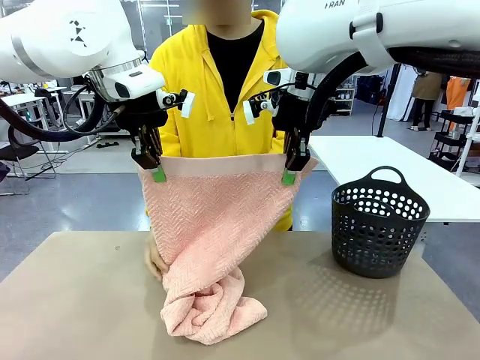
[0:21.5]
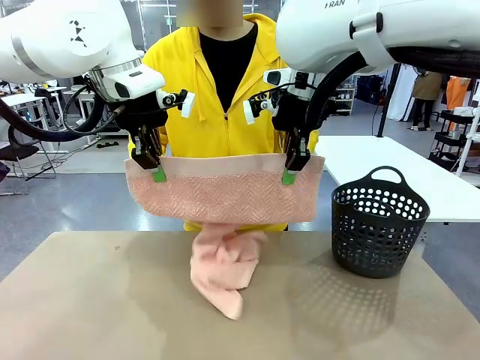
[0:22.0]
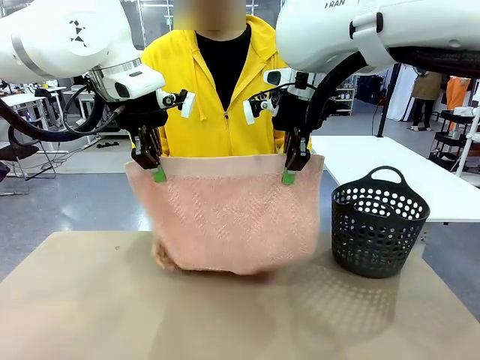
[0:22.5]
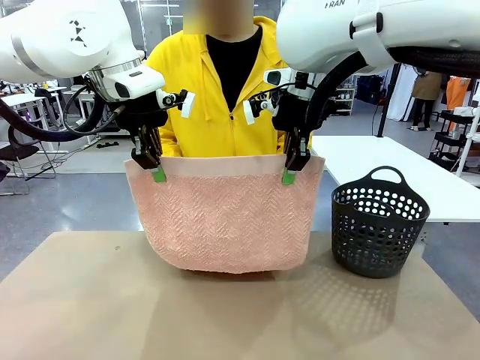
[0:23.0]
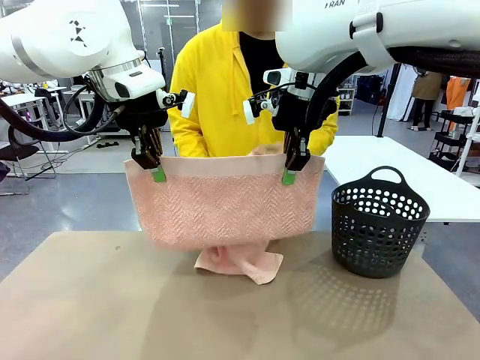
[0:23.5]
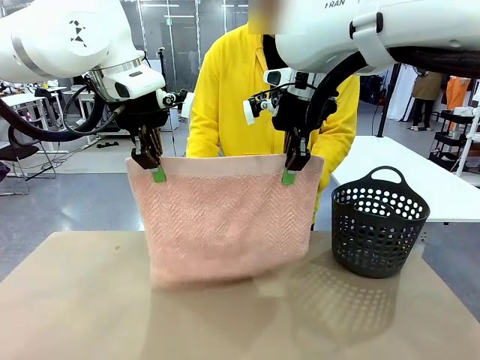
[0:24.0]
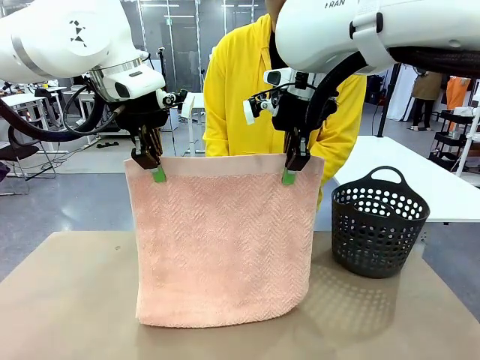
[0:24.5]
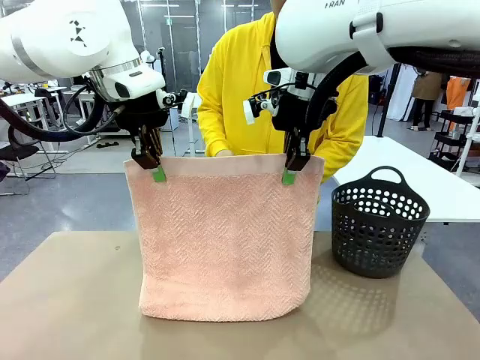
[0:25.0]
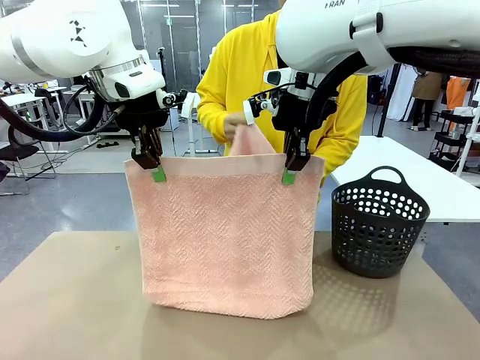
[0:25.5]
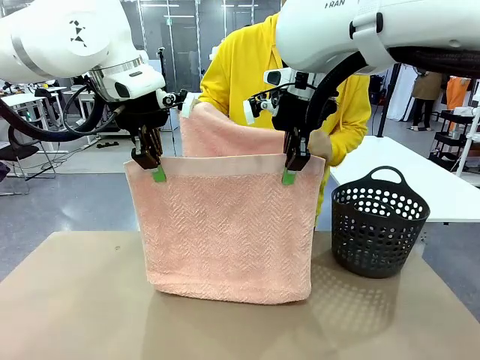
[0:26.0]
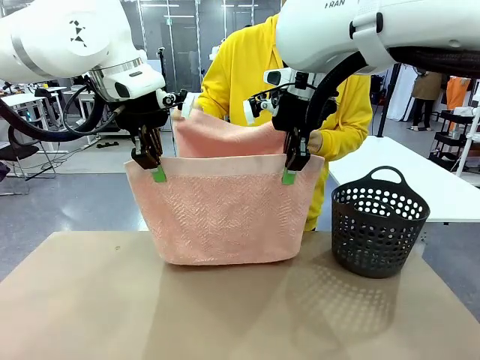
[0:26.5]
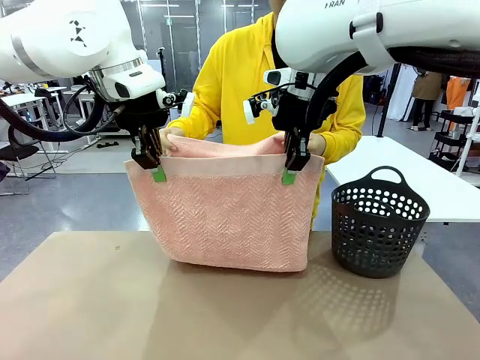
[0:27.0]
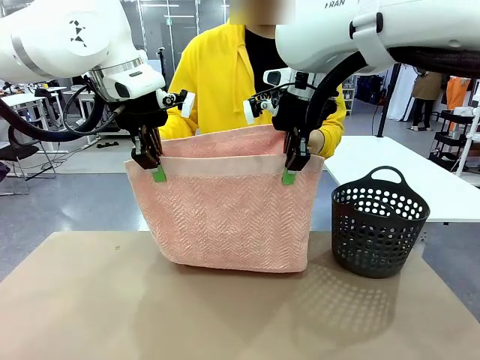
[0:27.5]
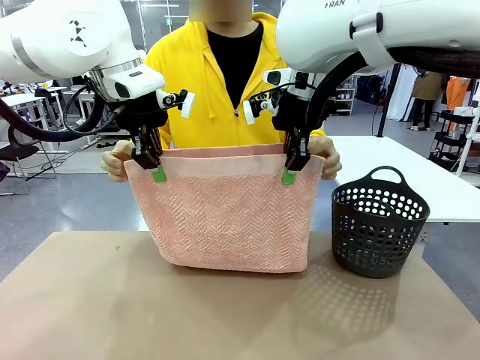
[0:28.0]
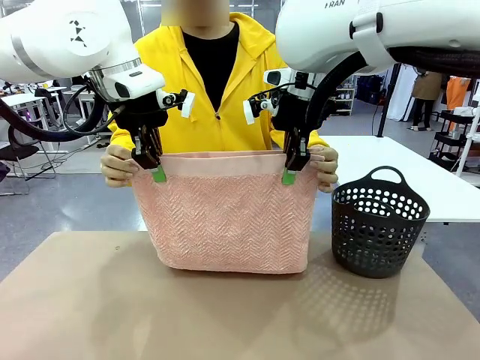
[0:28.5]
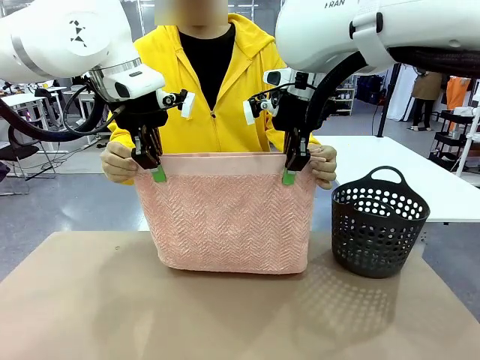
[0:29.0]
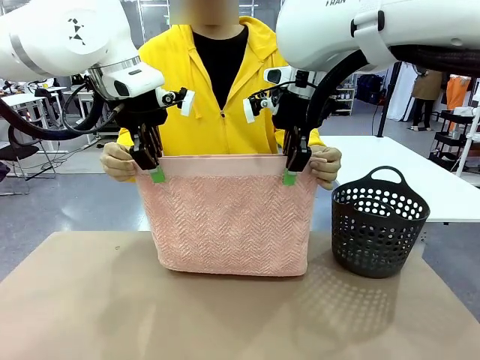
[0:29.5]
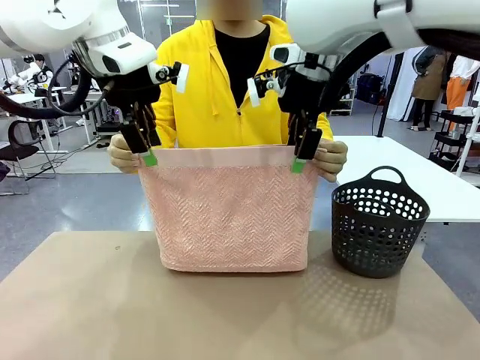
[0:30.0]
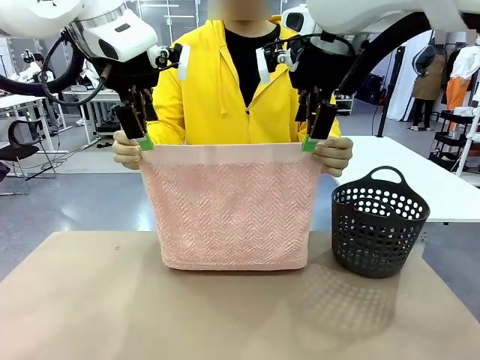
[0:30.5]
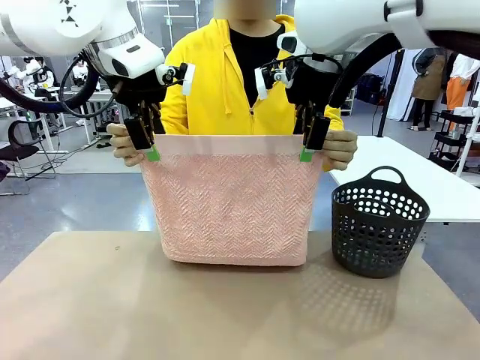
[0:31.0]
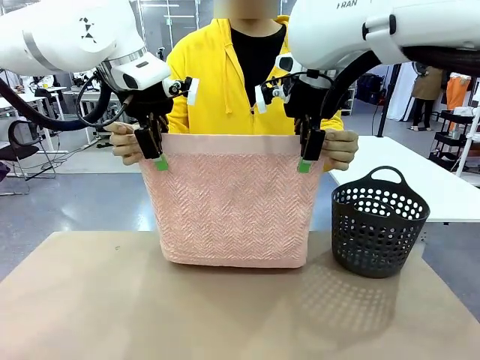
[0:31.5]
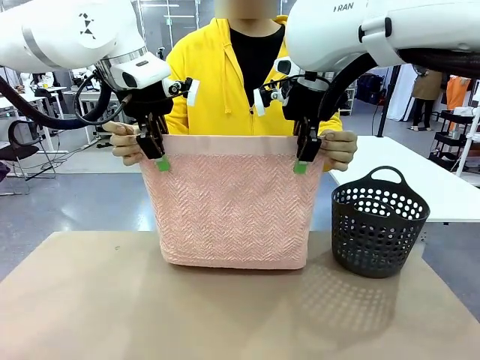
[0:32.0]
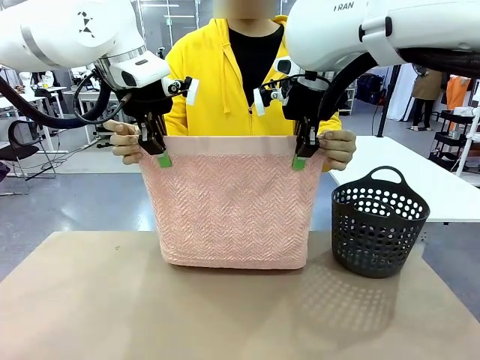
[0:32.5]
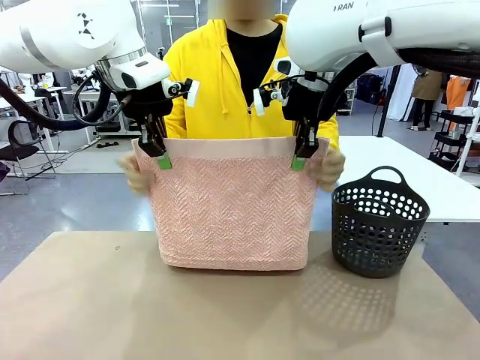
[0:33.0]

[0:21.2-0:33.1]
Task: Fold the towel.
Robot: Release the end of the 100 cm Hotel Towel you were holding and grab the top end of the folded side.
Person: Using the point held by the robot as a reference, grasp the opposite end, fold the towel in half, and then hold both ends of the folded towel.

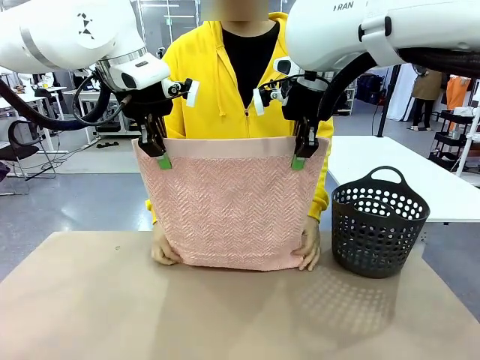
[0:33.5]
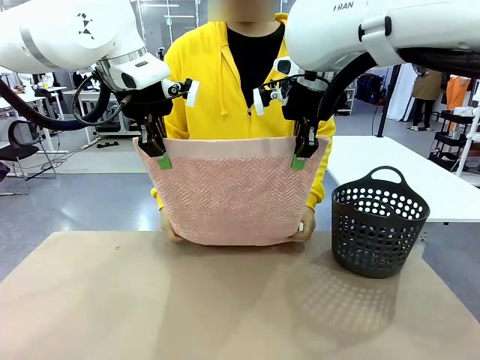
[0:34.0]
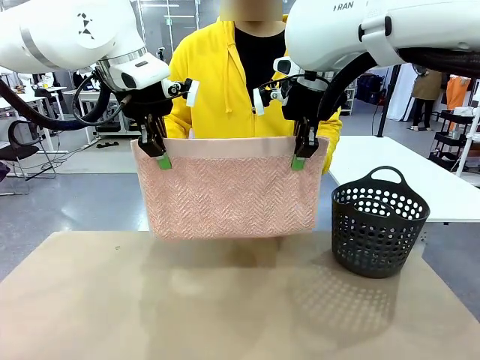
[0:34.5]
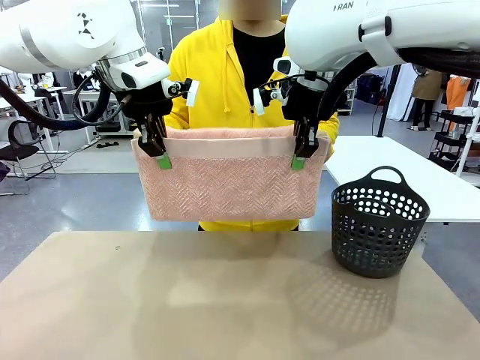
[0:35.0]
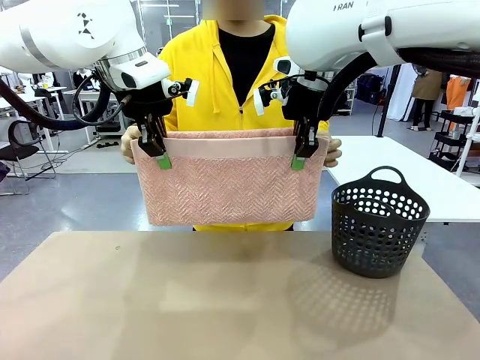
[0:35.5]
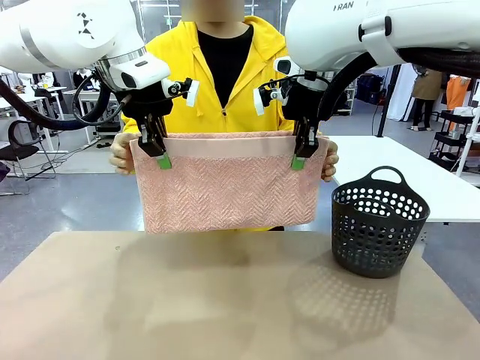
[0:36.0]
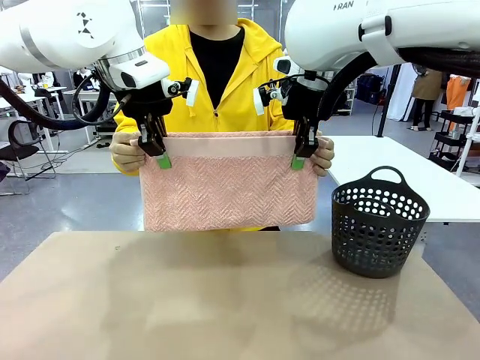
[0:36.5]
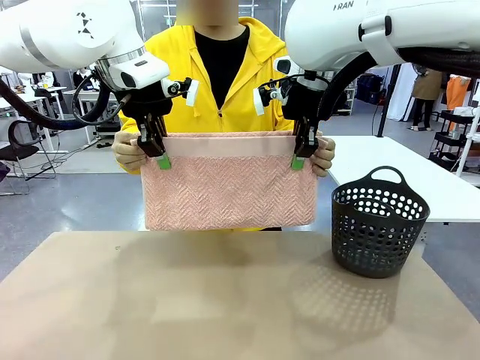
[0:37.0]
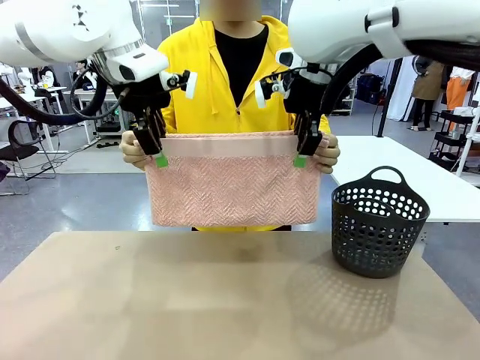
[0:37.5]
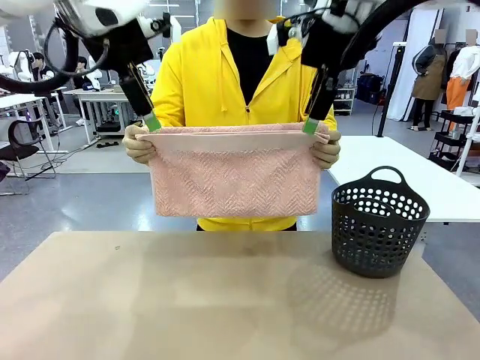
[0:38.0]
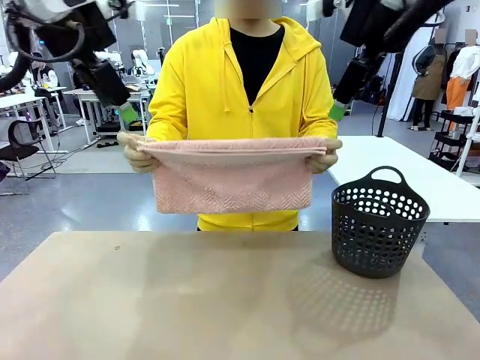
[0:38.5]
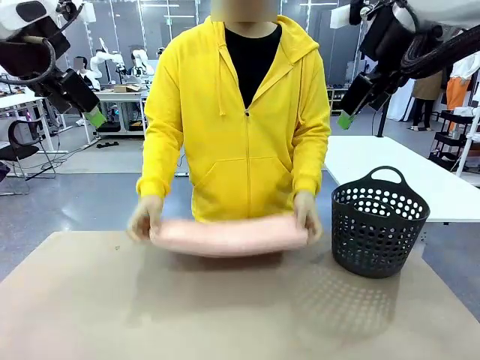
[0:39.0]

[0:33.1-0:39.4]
Robot: Release the end of the 100 cm Hotel Towel you were holding.

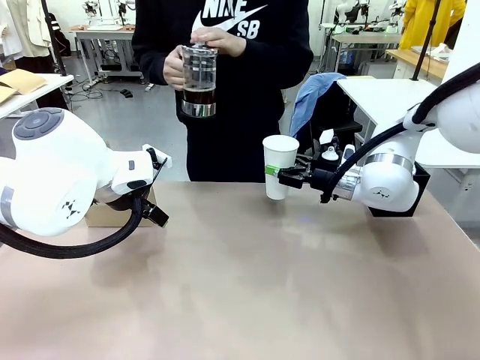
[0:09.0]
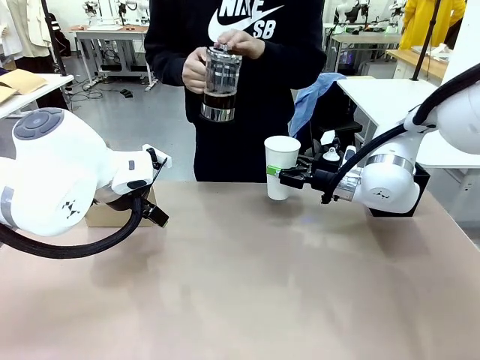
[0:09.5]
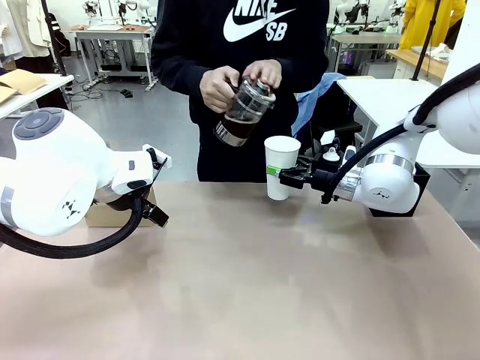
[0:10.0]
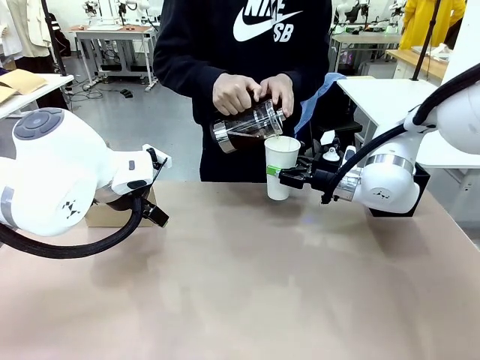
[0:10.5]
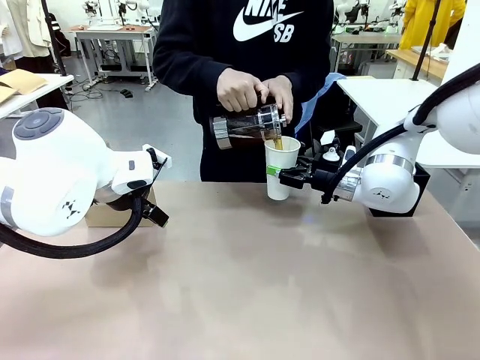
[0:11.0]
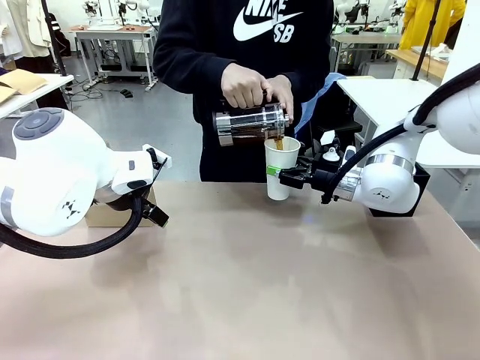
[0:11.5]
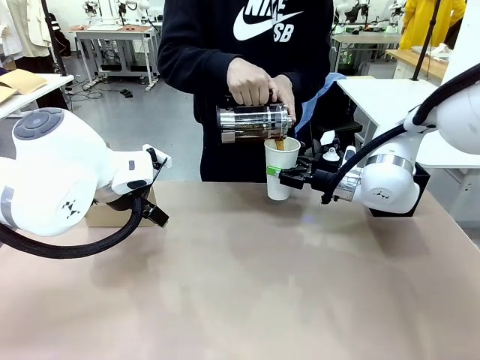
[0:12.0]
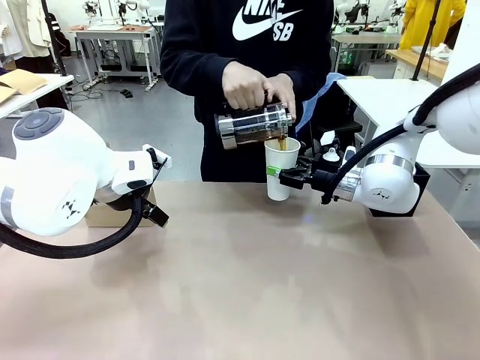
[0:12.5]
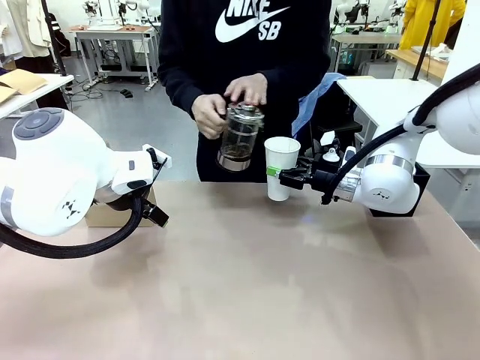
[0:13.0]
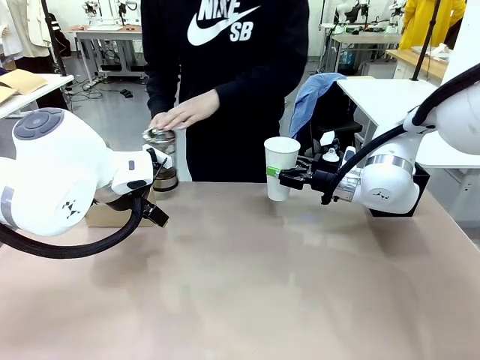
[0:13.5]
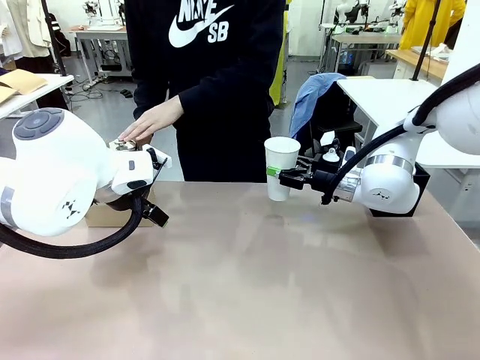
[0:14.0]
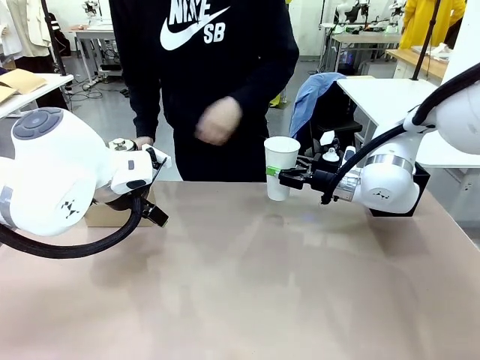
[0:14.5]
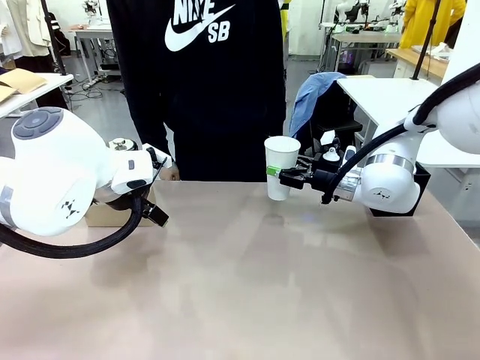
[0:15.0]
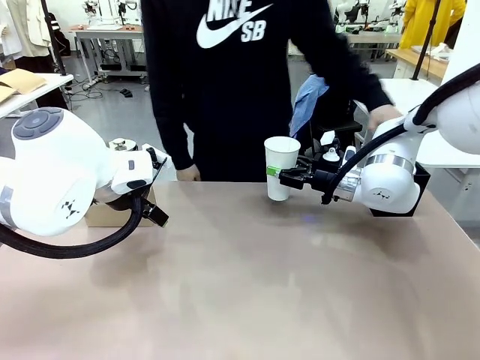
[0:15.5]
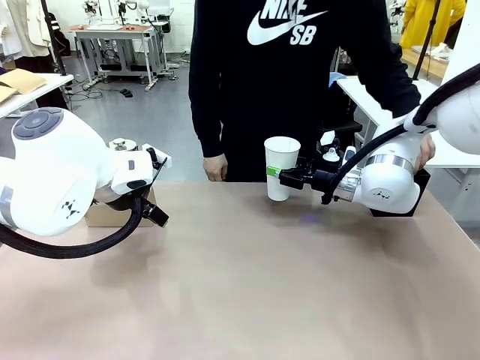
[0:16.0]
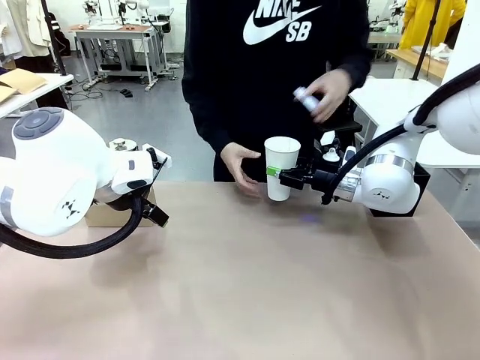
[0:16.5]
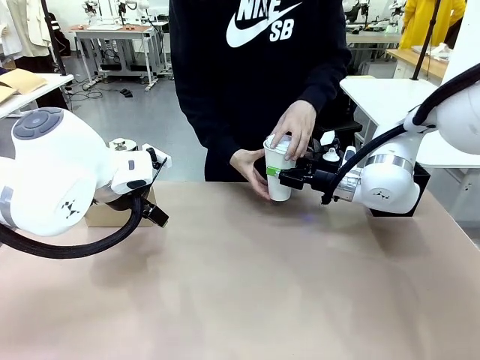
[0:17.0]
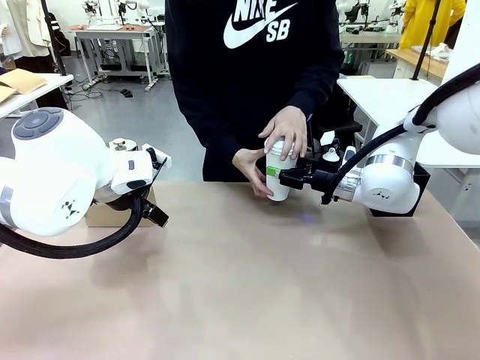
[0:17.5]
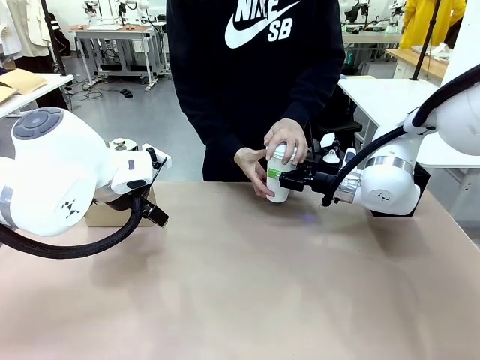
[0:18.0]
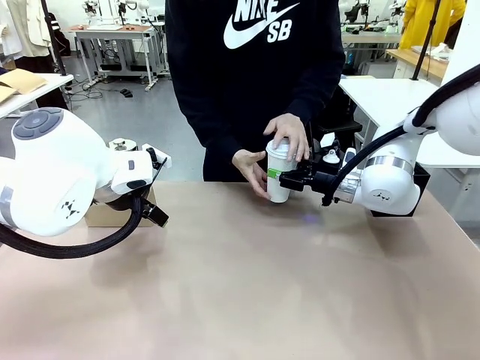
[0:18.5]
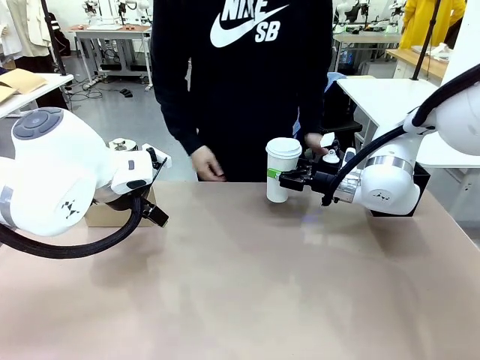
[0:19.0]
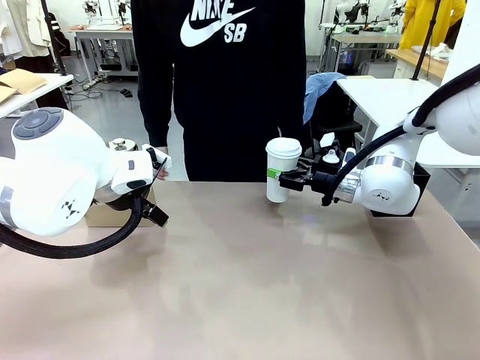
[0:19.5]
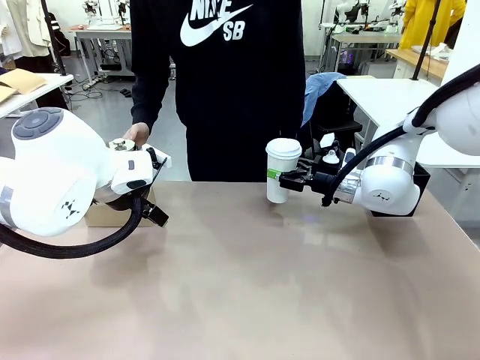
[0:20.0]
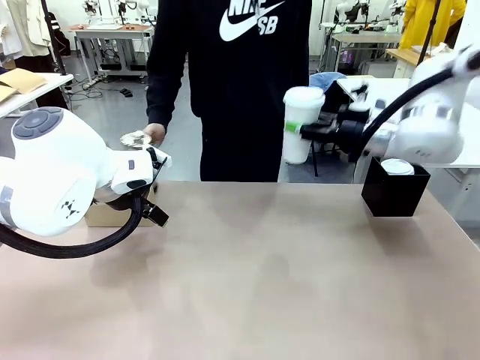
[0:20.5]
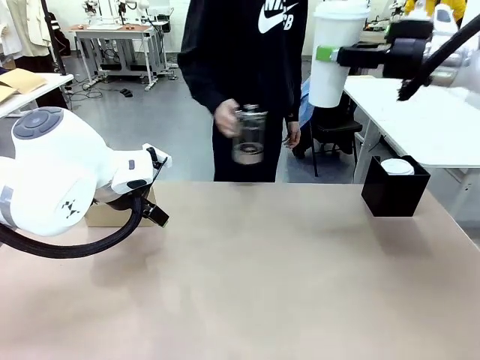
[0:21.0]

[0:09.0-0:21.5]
Task: Pour a drink into a cup and package it in a carrier.
Robot: When a person places the Paper Cup Lid on the 600 ml Paper Cup , lift the 600 ml Paper Cup.
Person: Pour the drink from the Filter Brewing into the 600 ml Paper Cup. Place a Paper Cup Lid on the 600 ml Paper Cup.
